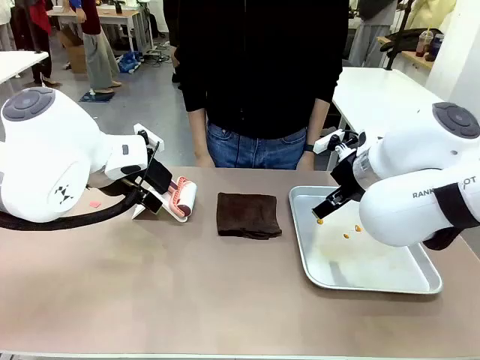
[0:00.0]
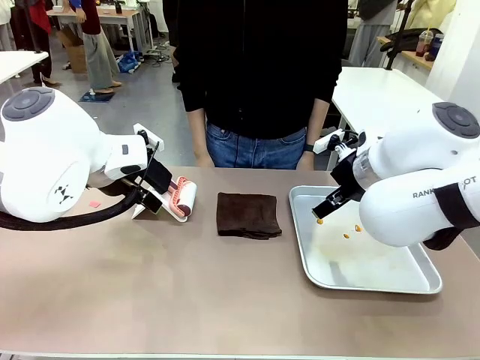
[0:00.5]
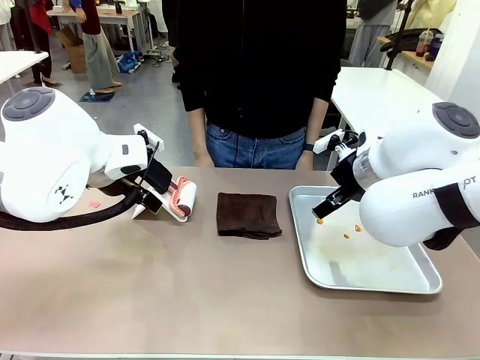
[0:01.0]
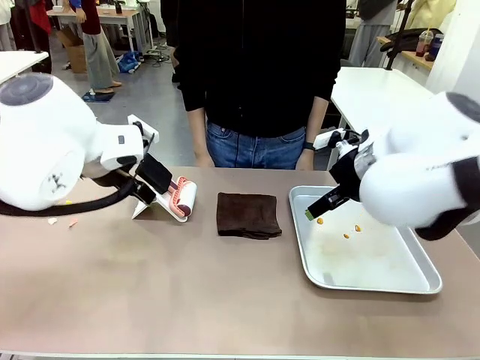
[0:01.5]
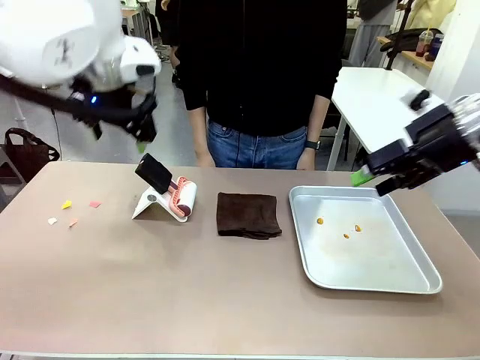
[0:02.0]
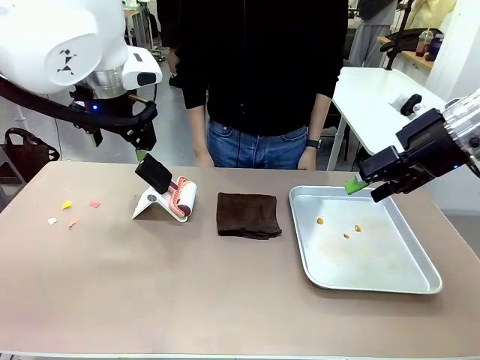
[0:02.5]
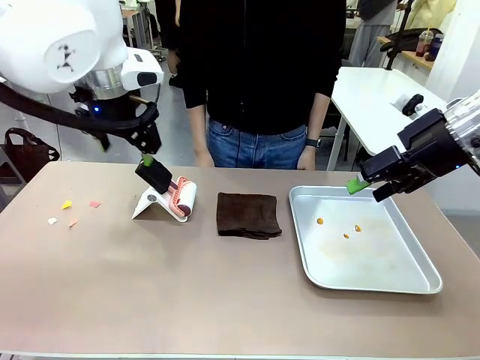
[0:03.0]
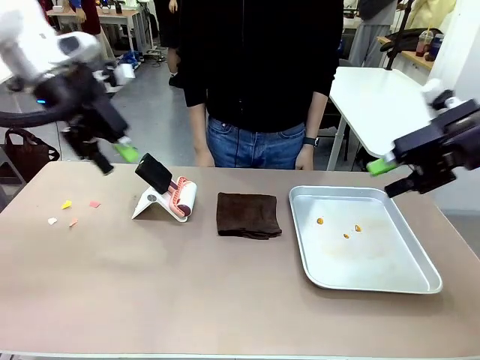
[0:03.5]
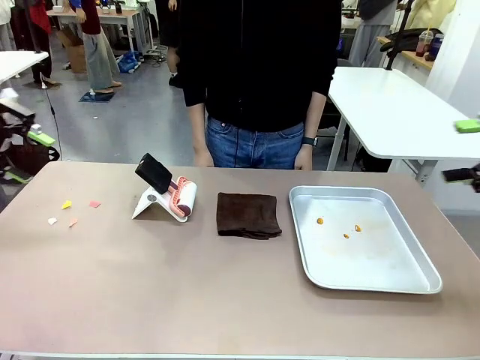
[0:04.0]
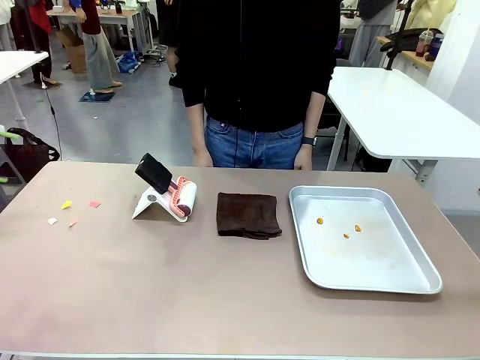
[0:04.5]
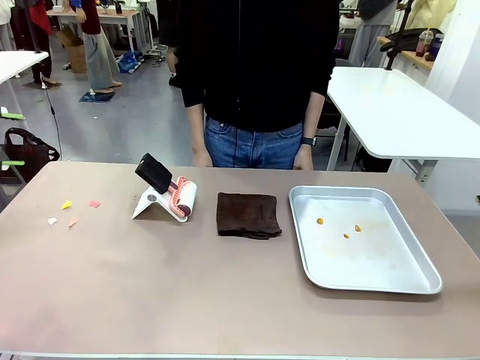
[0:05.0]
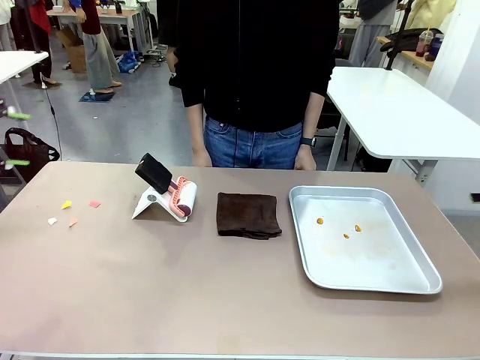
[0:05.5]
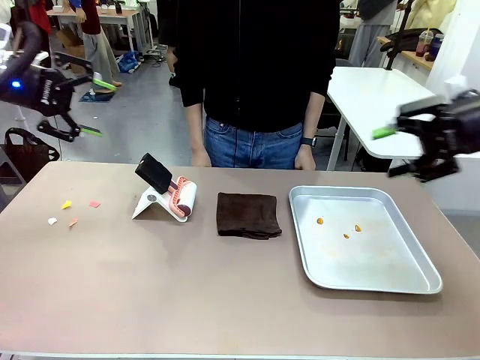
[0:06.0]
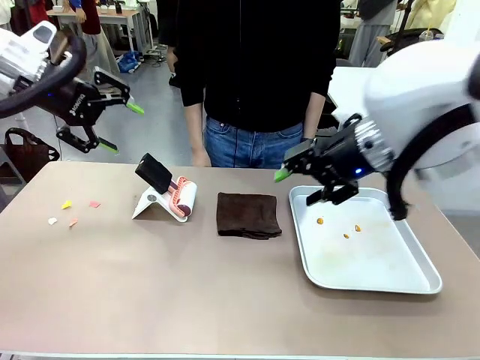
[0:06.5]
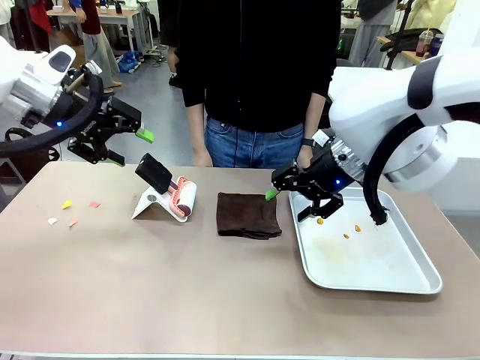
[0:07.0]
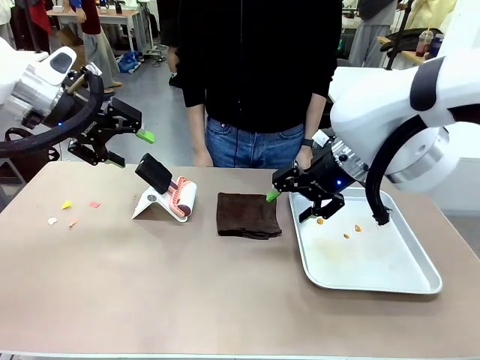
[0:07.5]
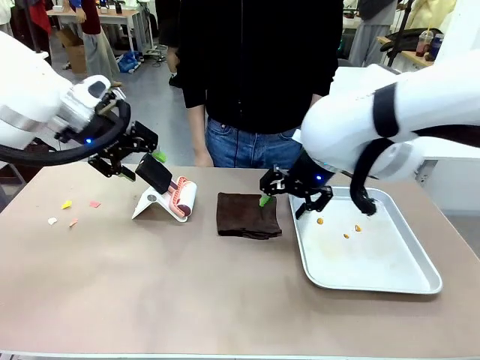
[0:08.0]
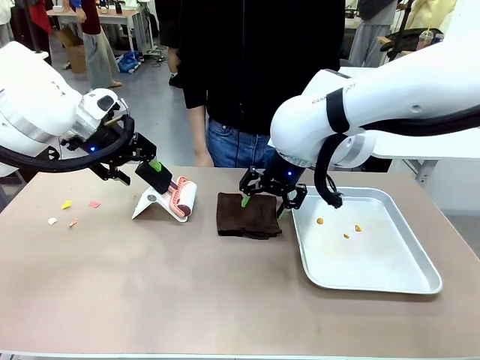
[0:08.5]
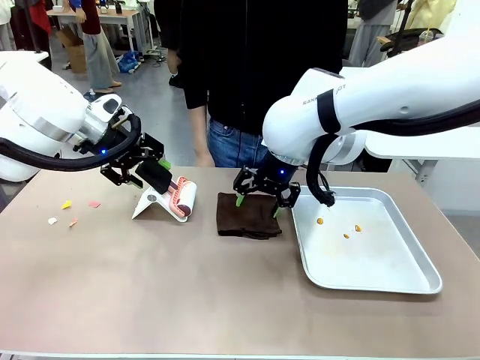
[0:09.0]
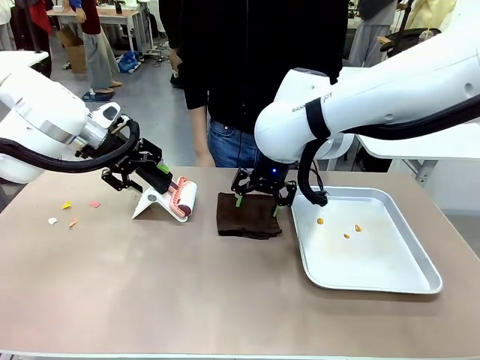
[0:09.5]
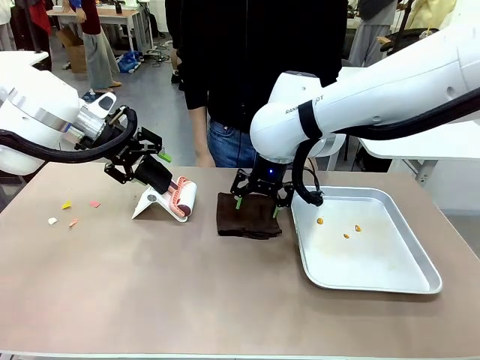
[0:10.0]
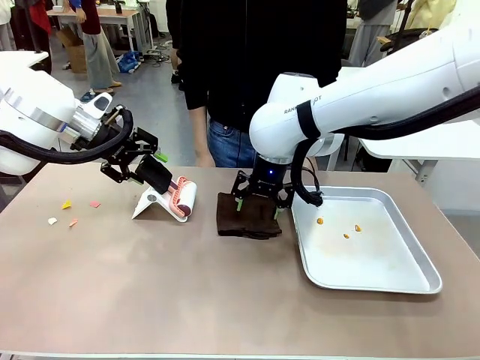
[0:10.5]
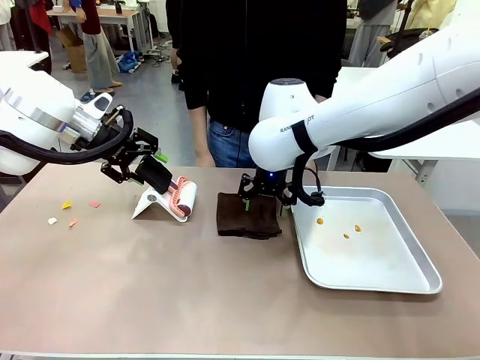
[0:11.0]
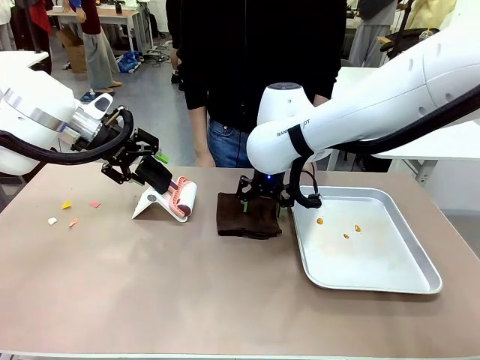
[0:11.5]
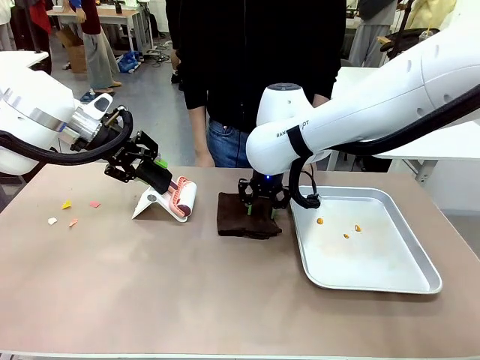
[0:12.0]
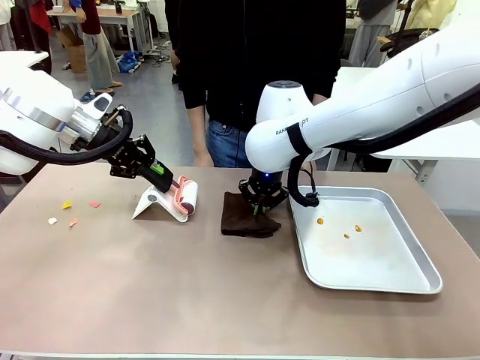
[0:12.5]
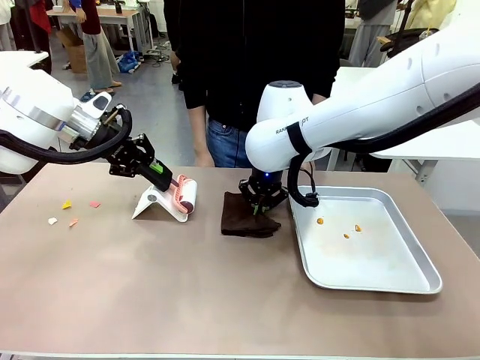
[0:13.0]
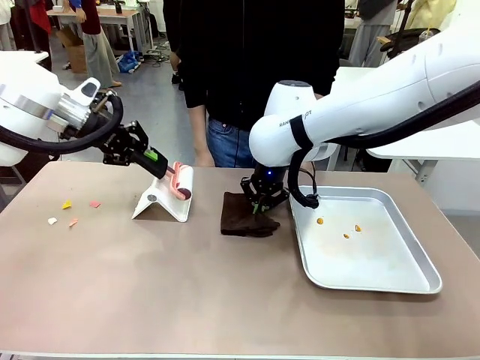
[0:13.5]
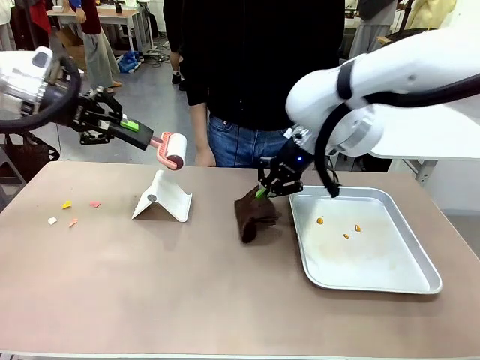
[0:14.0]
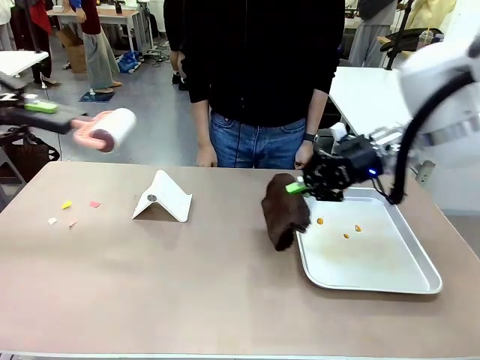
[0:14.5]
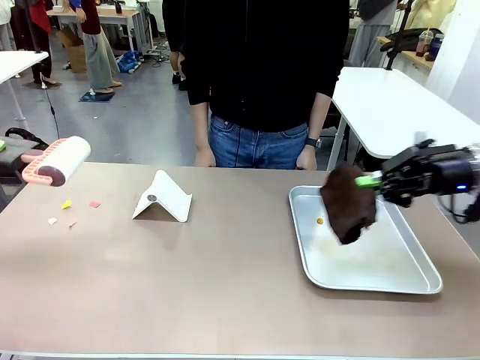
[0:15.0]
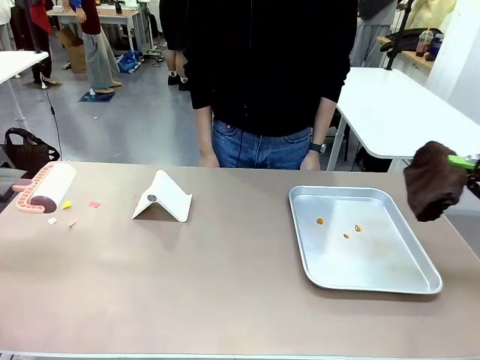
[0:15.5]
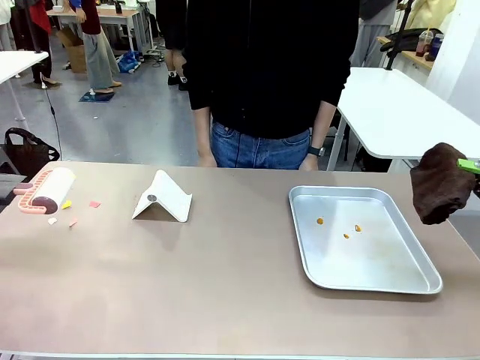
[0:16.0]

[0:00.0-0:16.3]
Task: Clean the surface of the table.
Robot: Hold the Lint Roller with your left hand and the towel with your right hand.

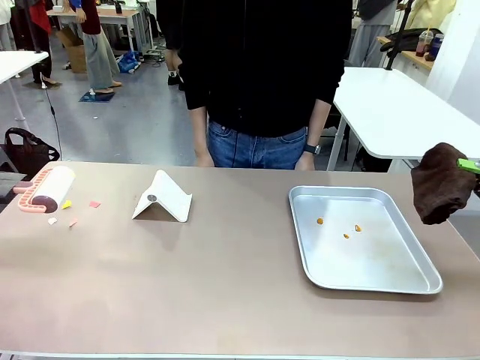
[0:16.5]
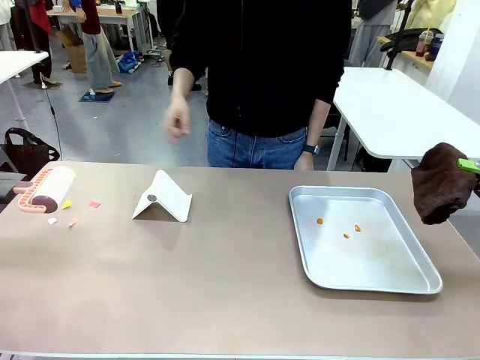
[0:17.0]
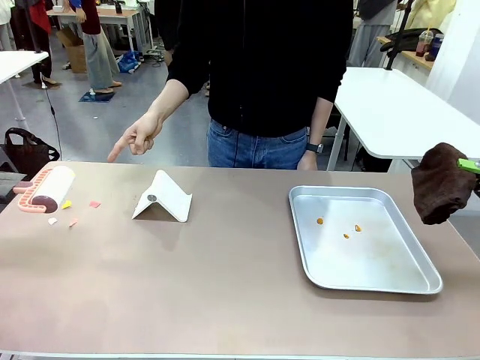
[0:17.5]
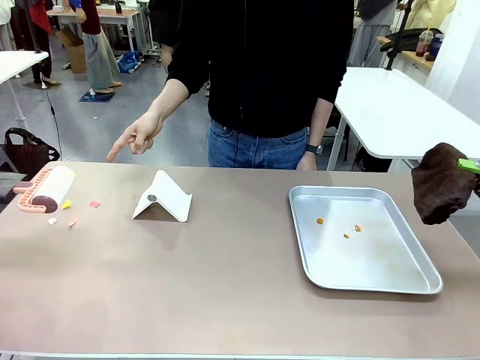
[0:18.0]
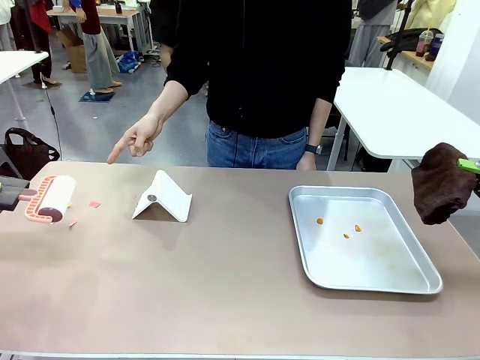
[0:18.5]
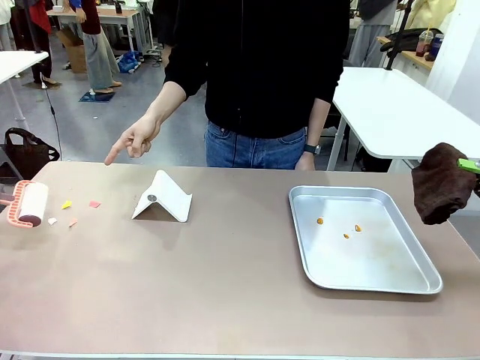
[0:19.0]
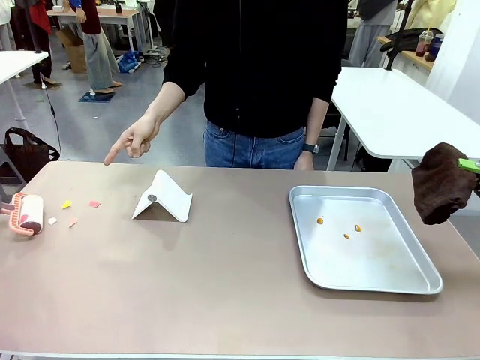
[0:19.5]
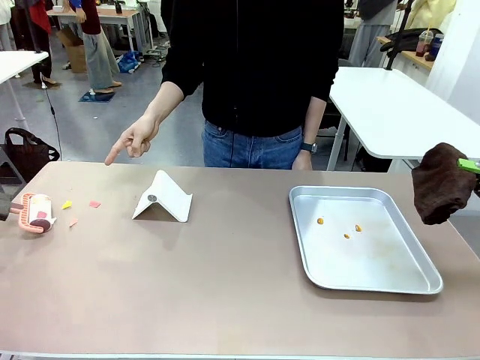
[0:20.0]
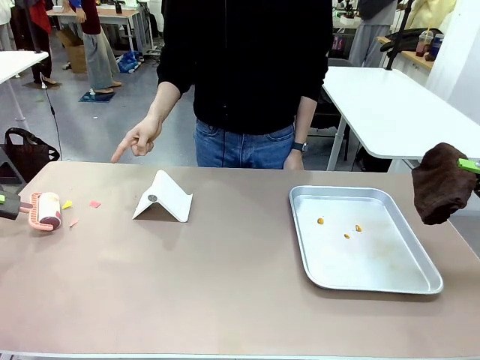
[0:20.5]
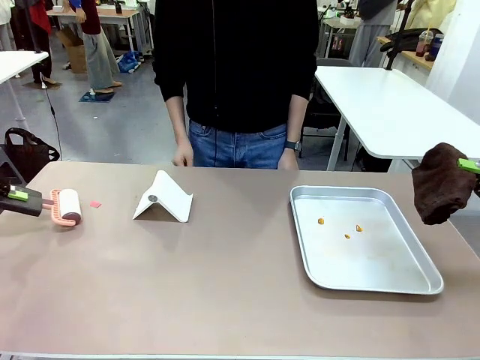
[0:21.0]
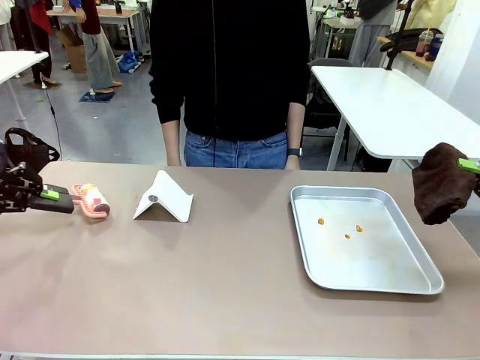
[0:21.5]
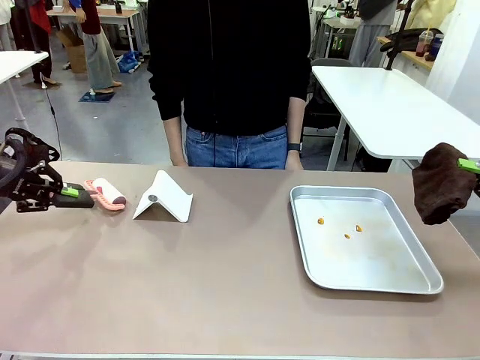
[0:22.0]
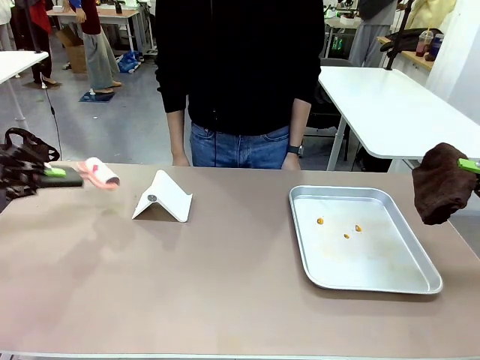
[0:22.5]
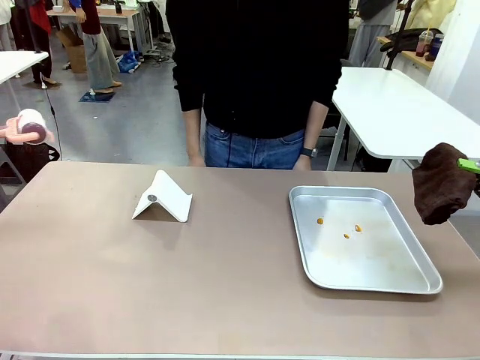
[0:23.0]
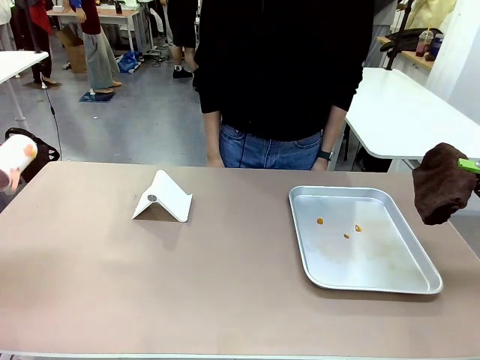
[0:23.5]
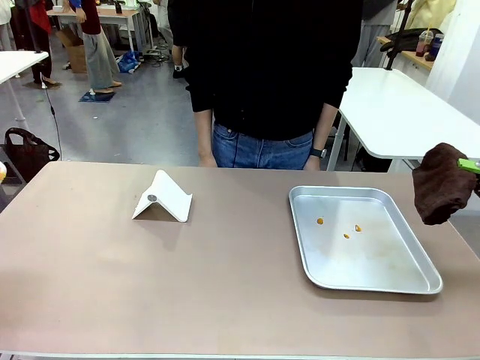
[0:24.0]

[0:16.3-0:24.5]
Robot: If a person points to the right, clean the right side of the table with your right hand, and if they point to the left, clean the left side with your left hand.
